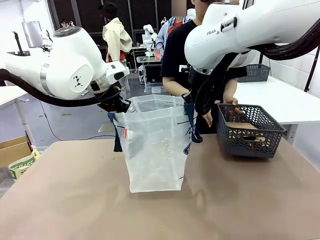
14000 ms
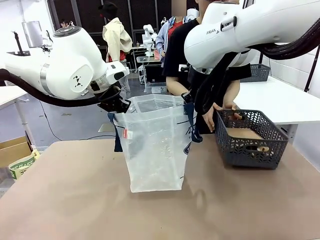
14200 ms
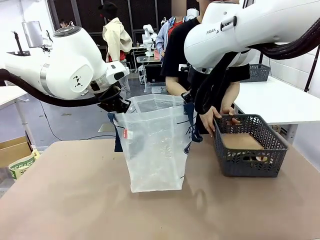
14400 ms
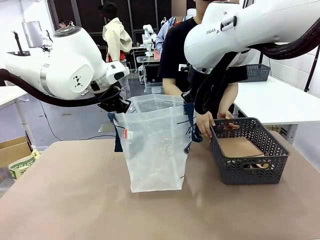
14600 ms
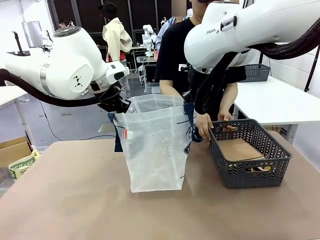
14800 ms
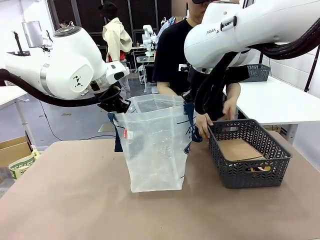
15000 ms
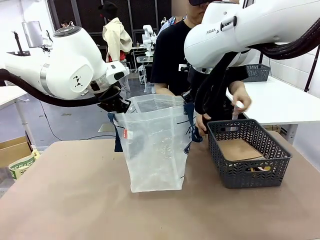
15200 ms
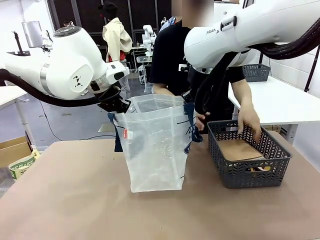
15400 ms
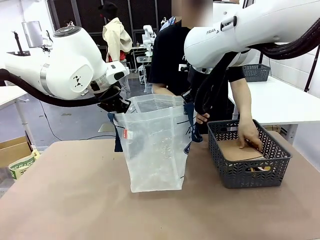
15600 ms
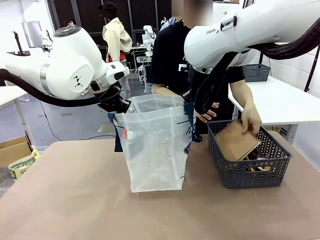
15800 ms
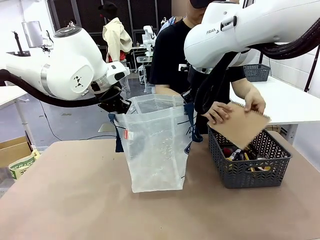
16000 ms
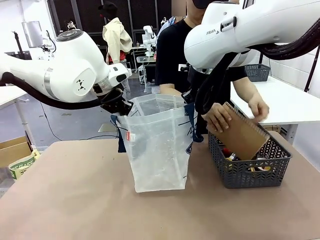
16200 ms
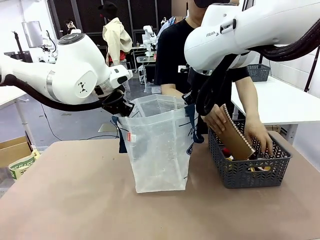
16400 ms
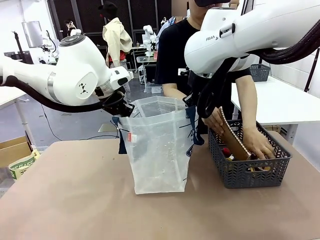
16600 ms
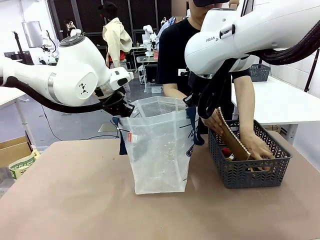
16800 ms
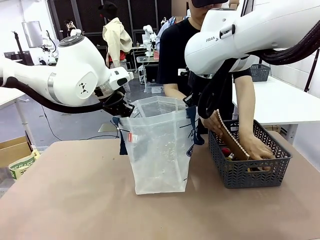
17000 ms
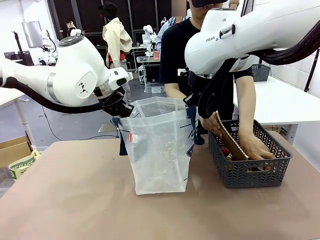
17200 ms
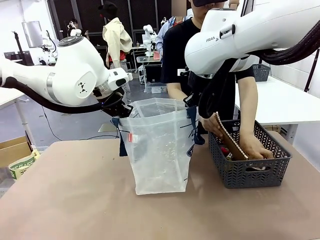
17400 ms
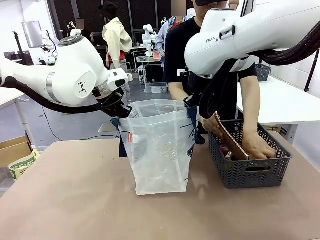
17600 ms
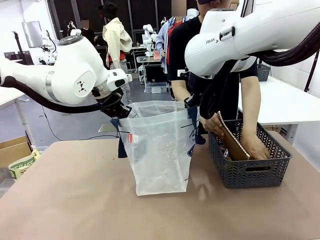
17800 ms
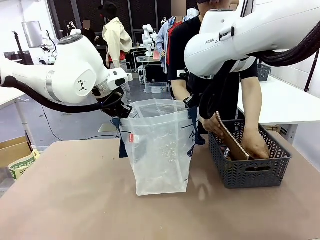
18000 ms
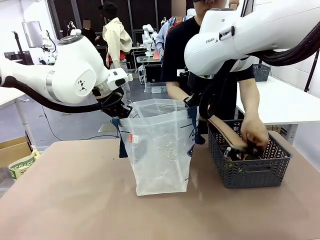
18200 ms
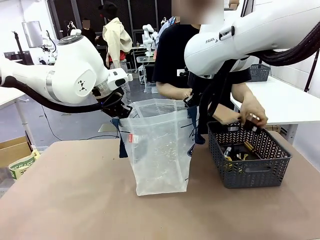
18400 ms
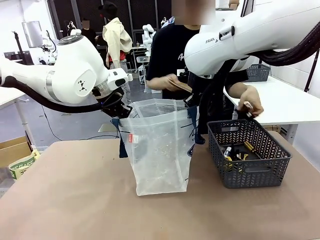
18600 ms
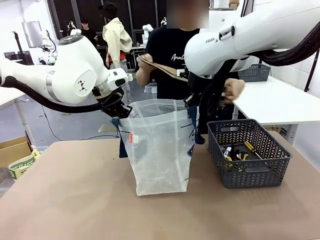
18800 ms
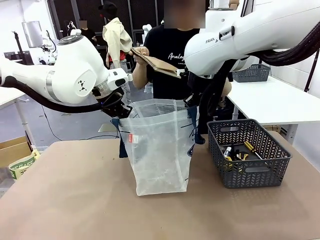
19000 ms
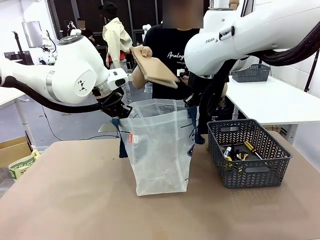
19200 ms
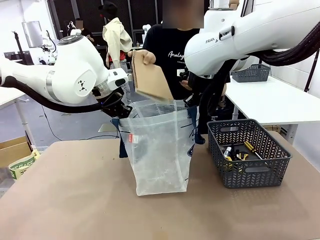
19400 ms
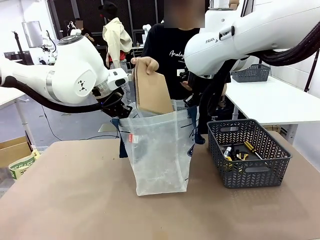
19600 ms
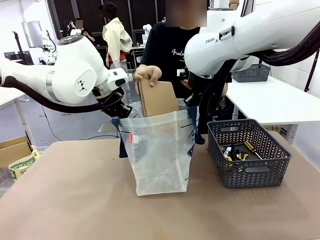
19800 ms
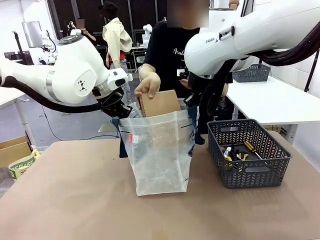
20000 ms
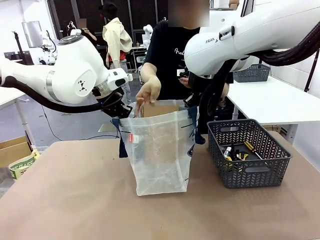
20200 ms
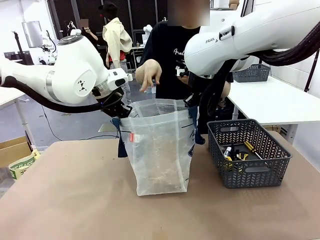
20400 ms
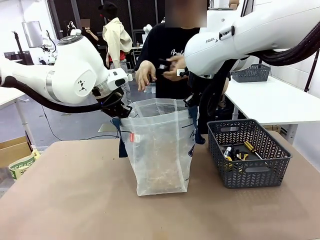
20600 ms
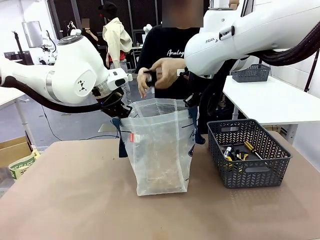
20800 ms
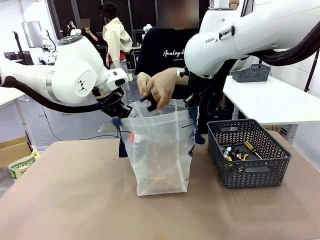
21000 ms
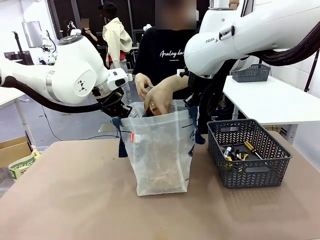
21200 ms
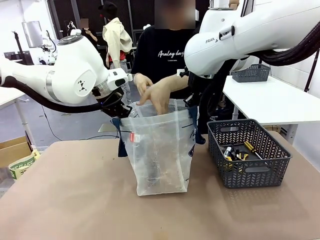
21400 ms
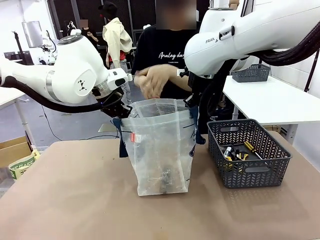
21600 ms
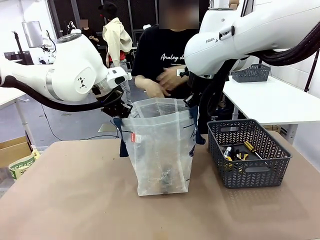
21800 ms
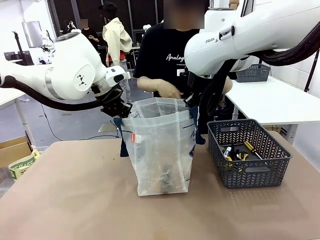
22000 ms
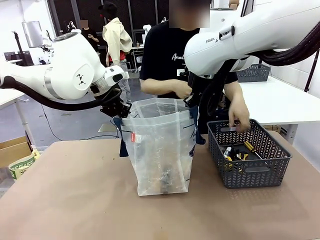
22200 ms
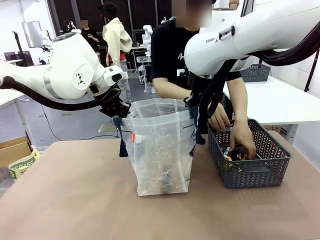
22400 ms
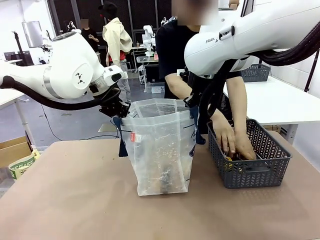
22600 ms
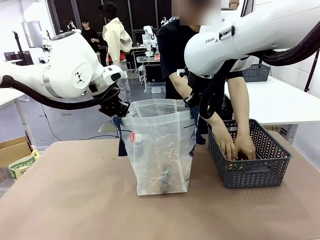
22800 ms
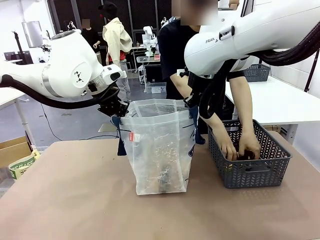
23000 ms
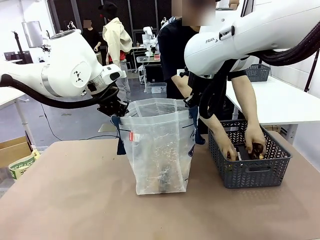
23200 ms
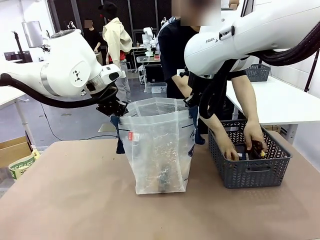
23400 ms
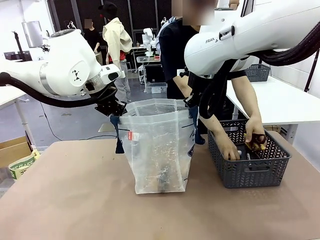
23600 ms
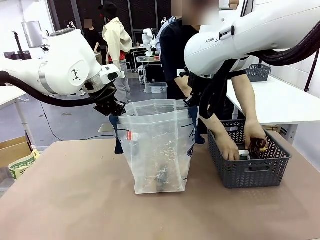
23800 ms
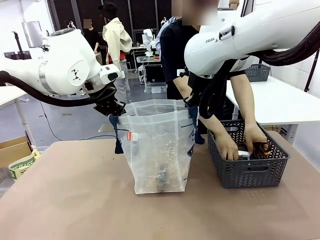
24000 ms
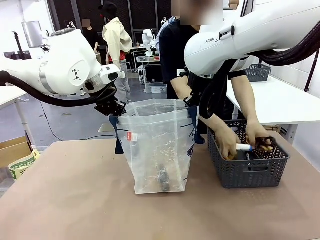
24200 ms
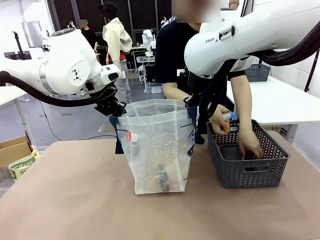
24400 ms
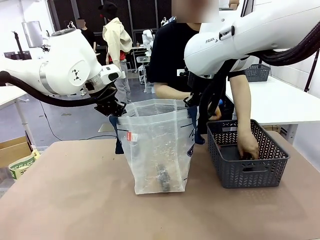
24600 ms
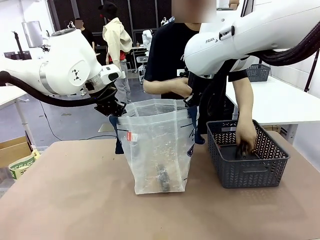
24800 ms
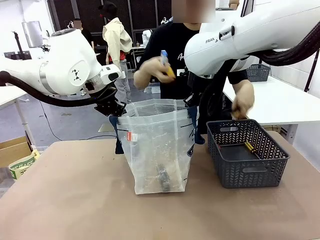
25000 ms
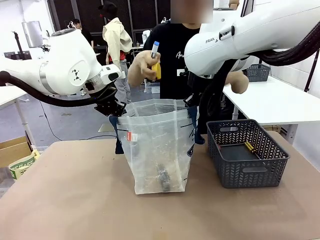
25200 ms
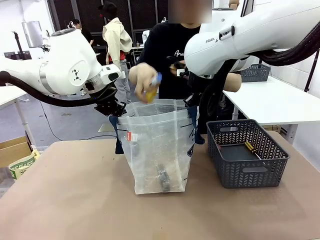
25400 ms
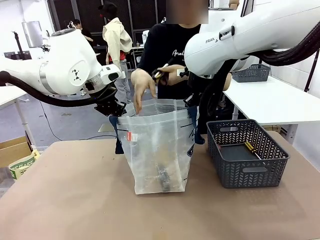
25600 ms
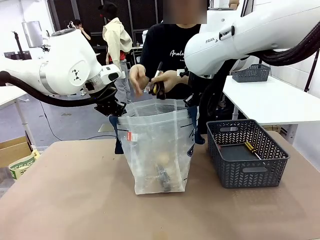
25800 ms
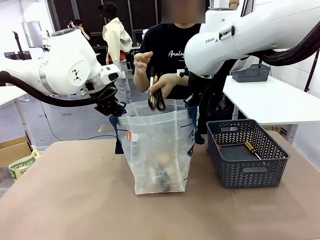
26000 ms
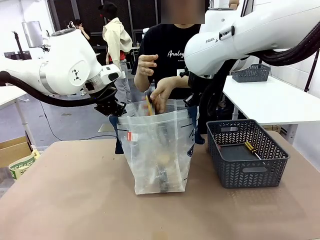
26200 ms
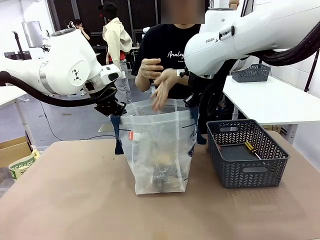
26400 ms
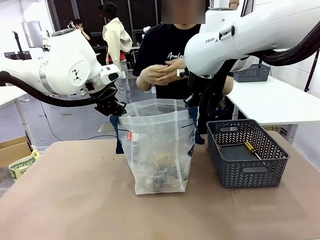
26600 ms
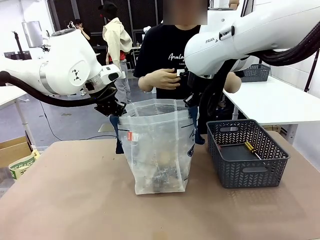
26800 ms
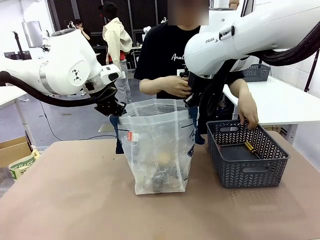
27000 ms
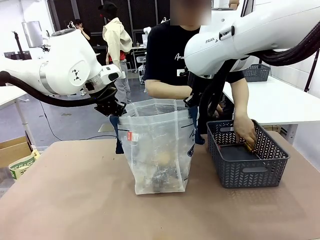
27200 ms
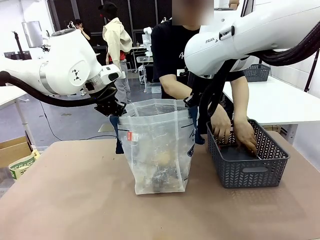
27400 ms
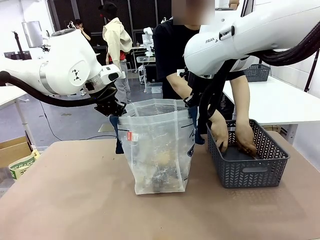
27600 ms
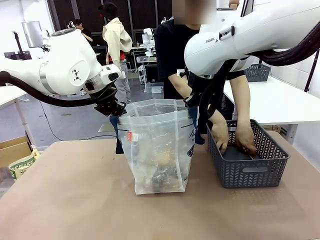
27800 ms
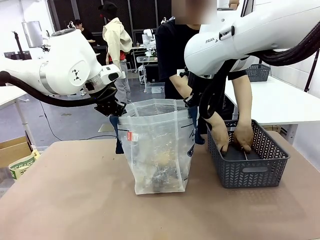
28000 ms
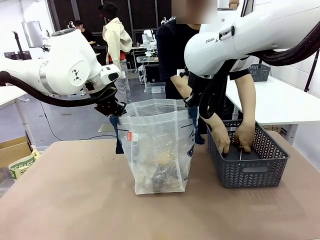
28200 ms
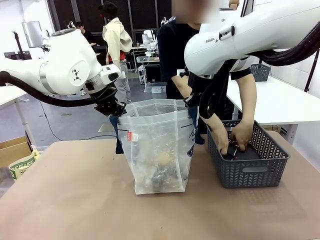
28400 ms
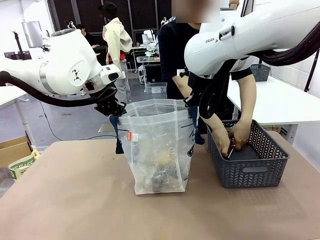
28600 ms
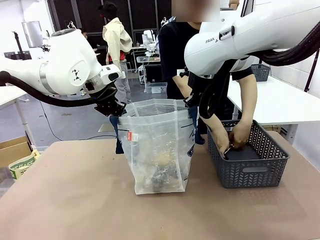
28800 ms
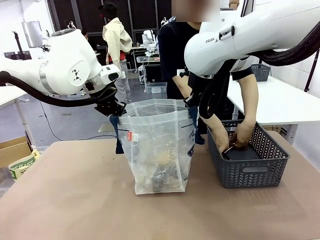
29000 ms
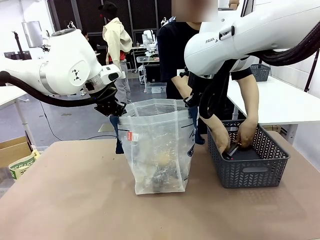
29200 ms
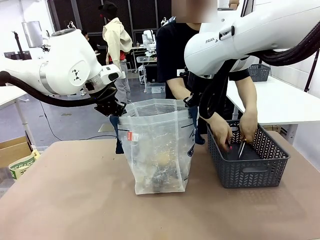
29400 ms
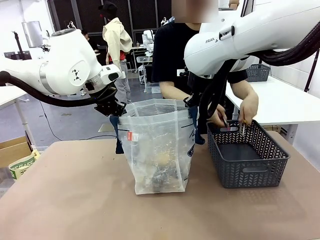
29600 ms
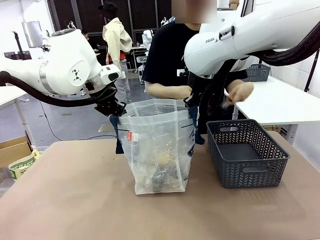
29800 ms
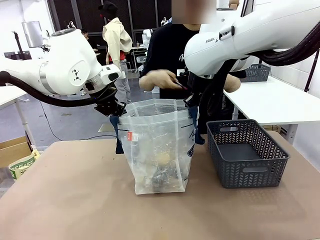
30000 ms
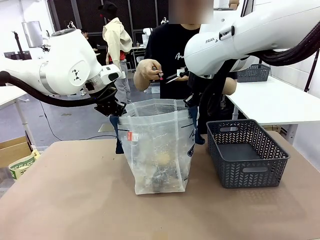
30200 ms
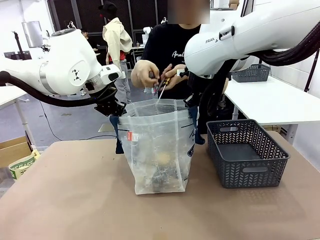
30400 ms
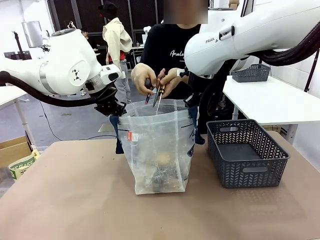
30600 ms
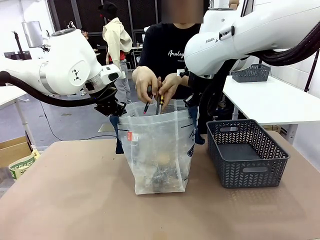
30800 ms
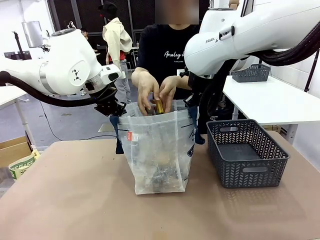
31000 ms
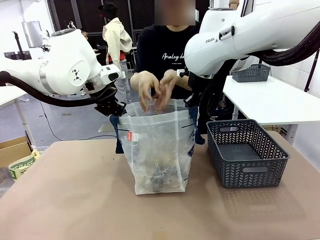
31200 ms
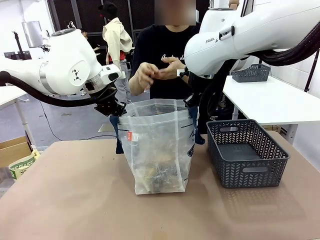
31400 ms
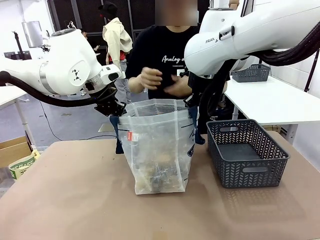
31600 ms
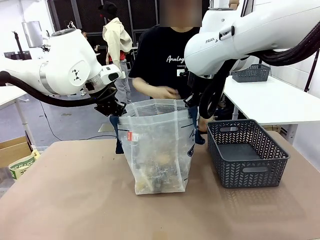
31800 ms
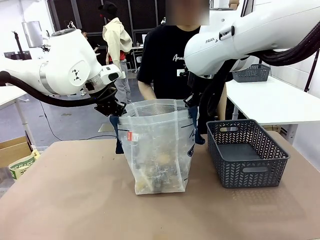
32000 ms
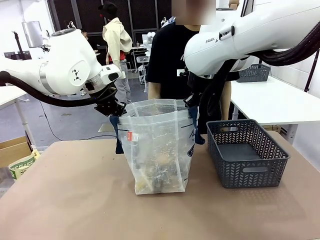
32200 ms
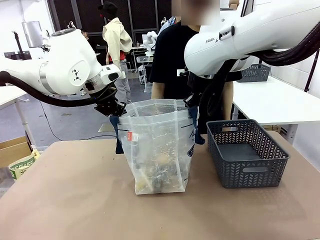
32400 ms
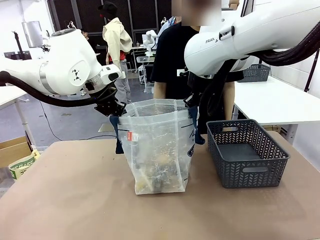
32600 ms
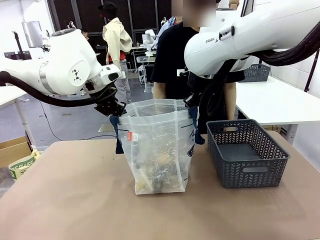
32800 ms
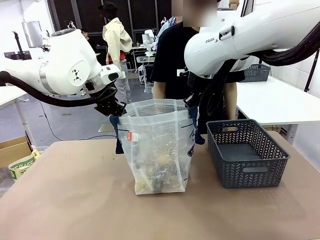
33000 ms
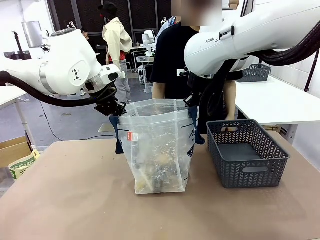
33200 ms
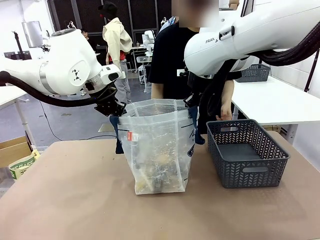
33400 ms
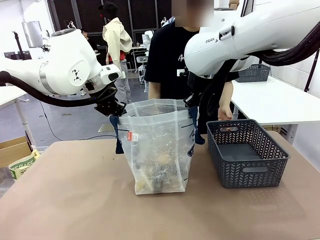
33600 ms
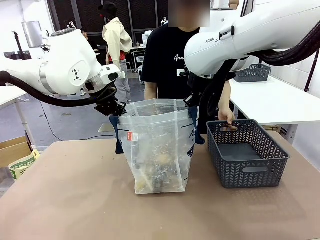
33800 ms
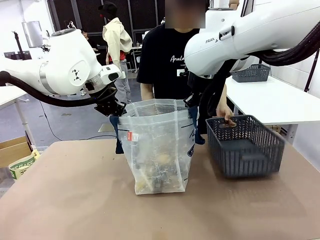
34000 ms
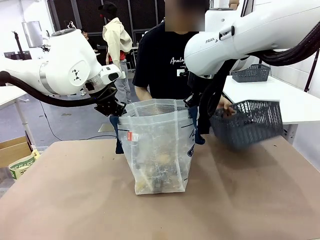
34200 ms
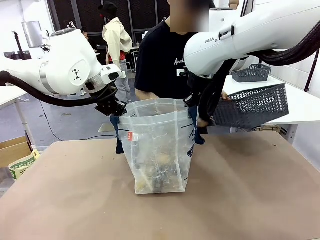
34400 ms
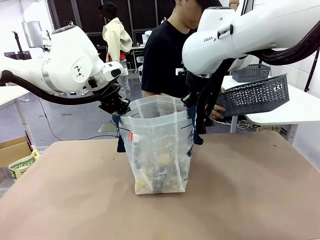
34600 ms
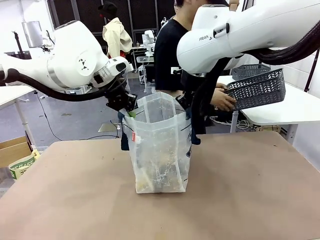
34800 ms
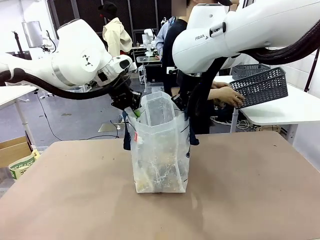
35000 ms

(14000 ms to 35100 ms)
Task: Transfer purchased items from the store into the shopping bag.
Robot: Move the Reusable shopping bag to the right side of the table.
Person: Pick up the basket on the right, place it on the left side of the robot table, and move the items in the basket to the shopping bag.
